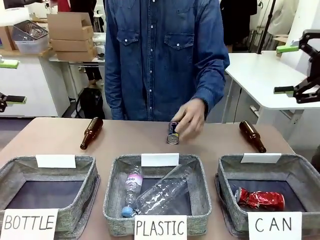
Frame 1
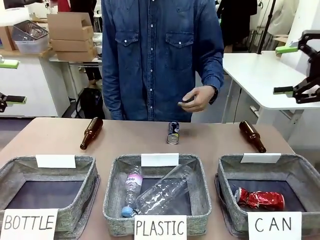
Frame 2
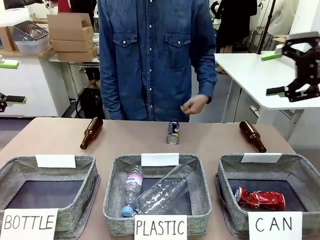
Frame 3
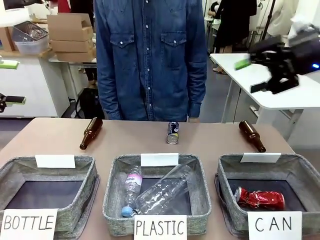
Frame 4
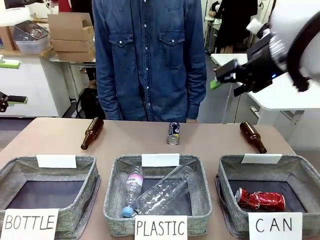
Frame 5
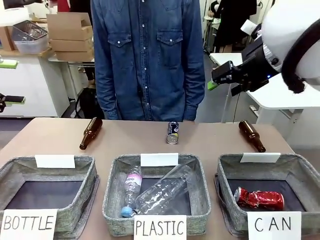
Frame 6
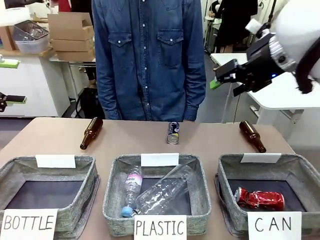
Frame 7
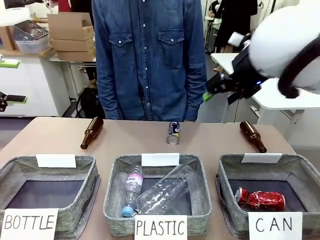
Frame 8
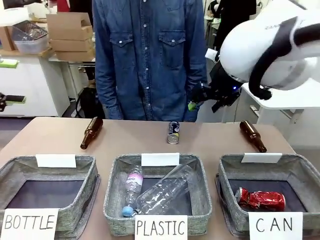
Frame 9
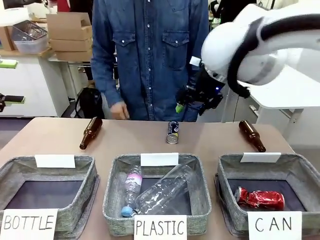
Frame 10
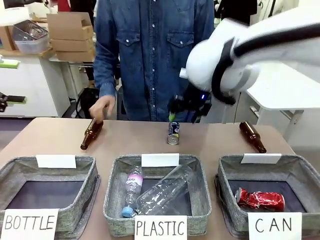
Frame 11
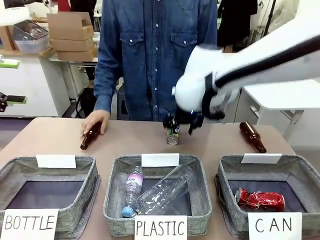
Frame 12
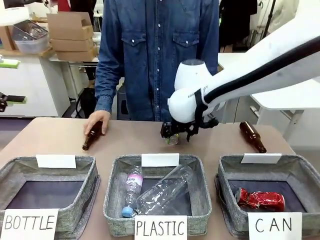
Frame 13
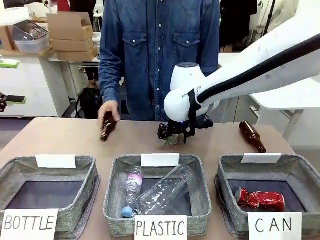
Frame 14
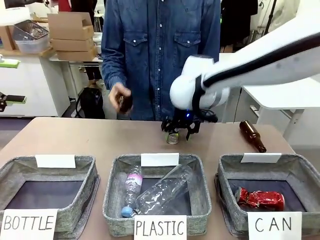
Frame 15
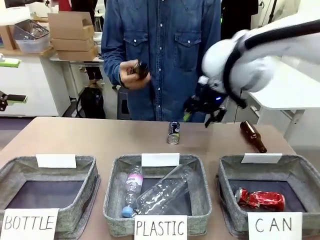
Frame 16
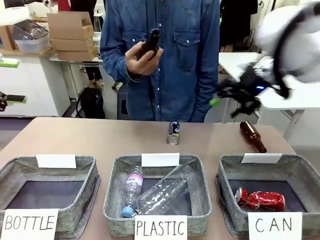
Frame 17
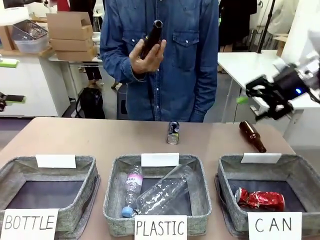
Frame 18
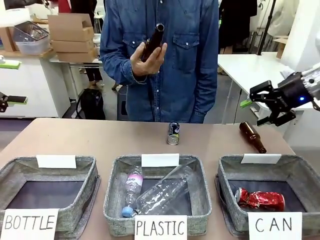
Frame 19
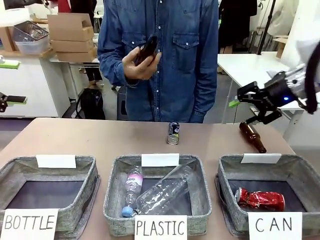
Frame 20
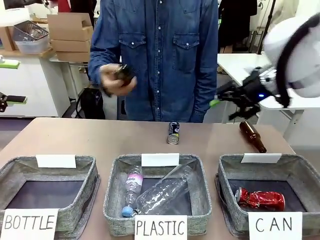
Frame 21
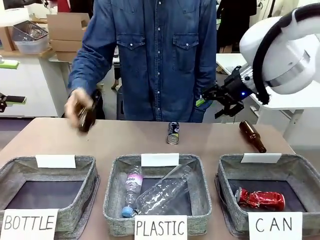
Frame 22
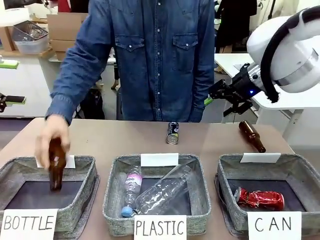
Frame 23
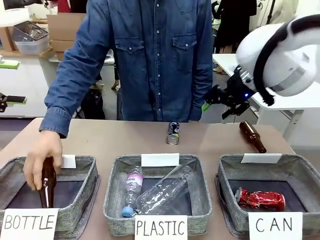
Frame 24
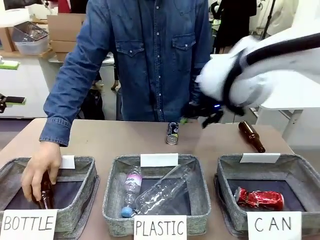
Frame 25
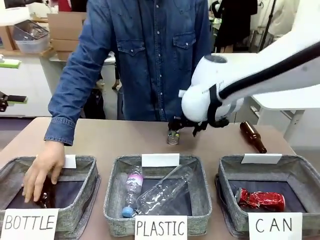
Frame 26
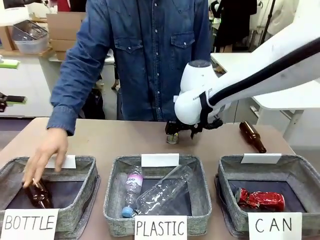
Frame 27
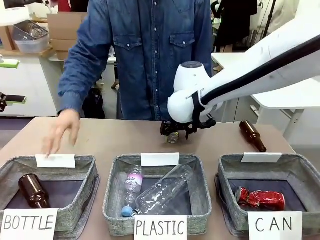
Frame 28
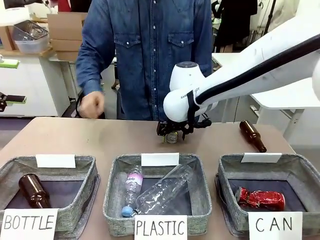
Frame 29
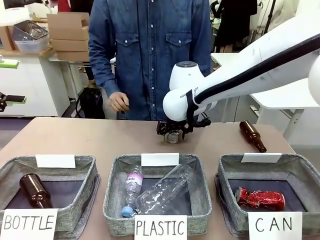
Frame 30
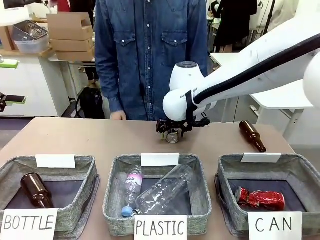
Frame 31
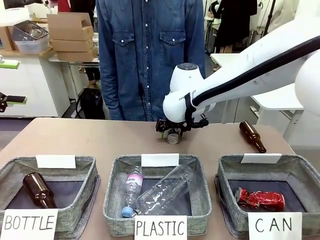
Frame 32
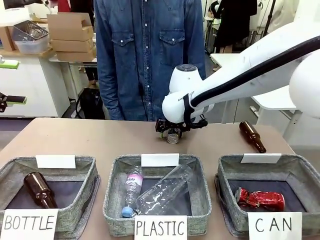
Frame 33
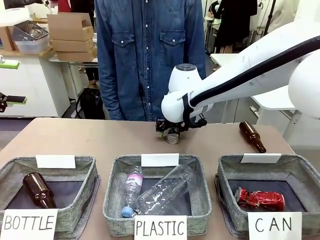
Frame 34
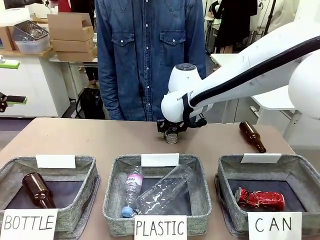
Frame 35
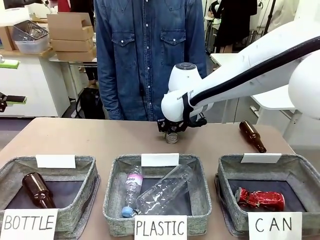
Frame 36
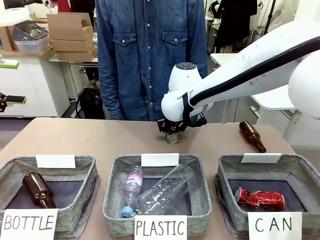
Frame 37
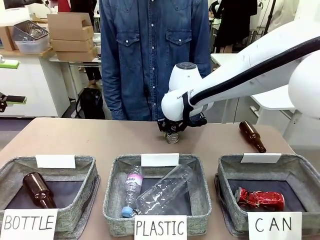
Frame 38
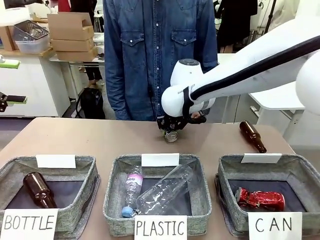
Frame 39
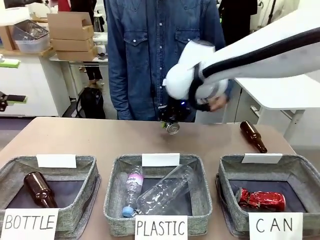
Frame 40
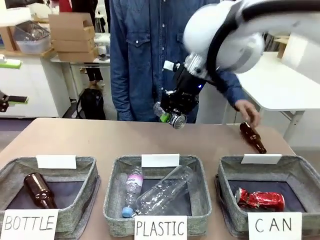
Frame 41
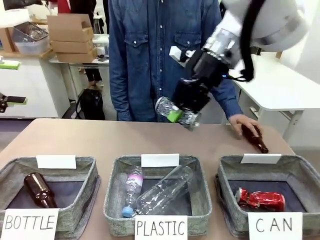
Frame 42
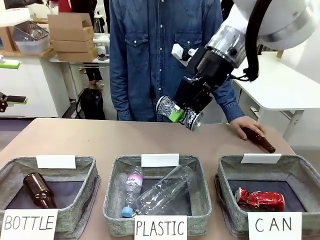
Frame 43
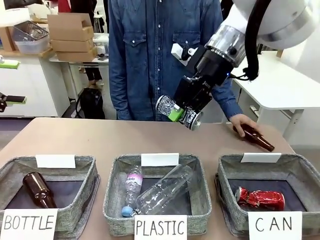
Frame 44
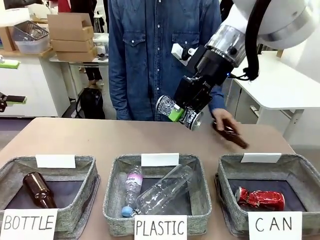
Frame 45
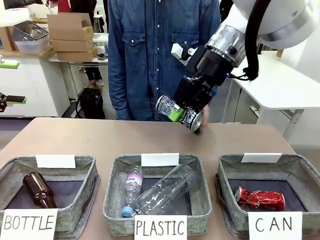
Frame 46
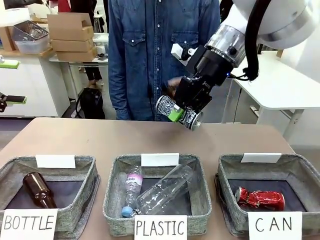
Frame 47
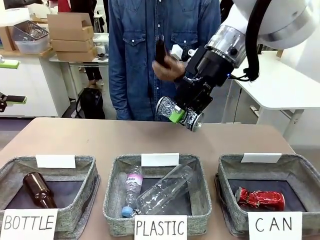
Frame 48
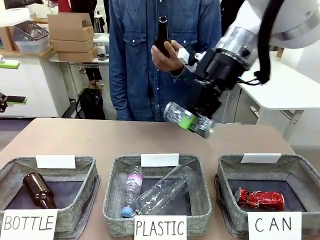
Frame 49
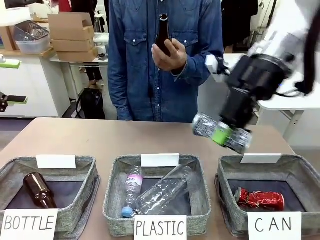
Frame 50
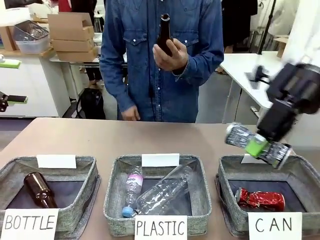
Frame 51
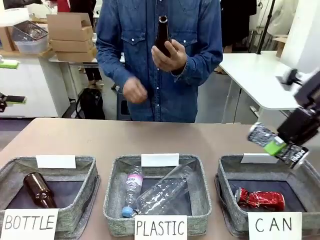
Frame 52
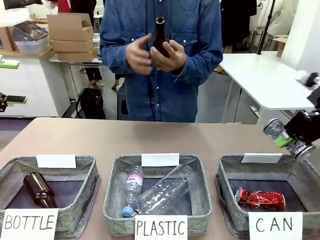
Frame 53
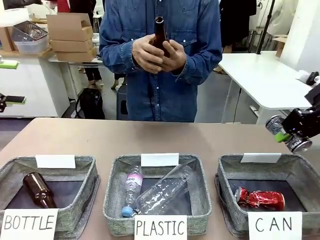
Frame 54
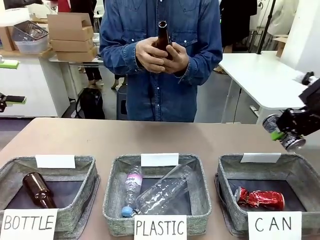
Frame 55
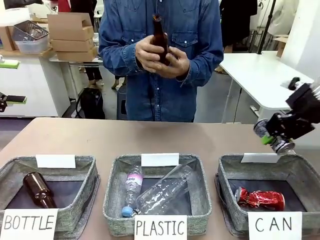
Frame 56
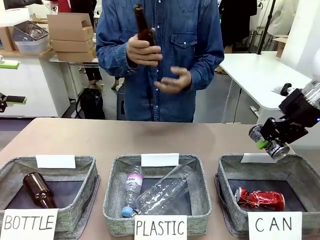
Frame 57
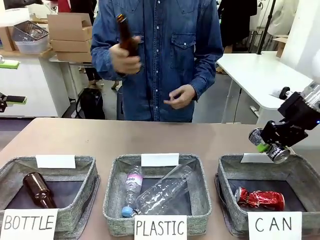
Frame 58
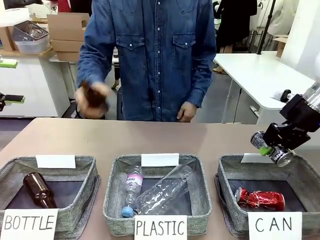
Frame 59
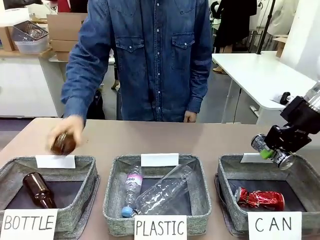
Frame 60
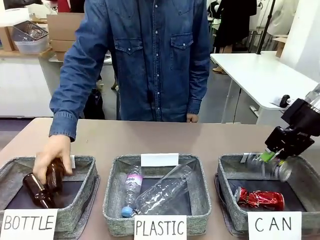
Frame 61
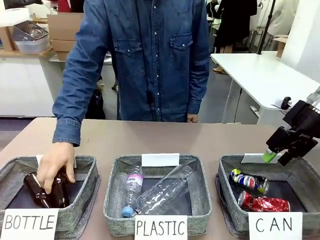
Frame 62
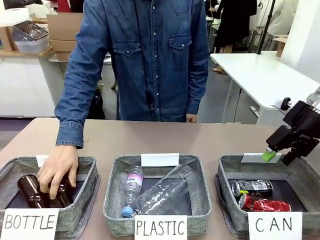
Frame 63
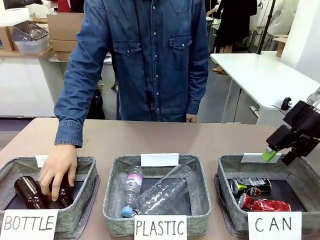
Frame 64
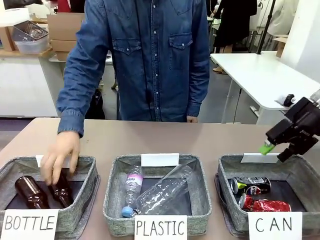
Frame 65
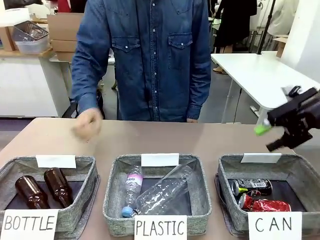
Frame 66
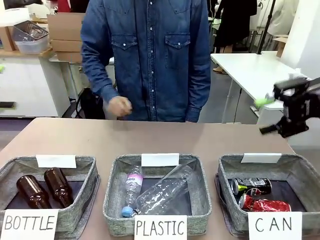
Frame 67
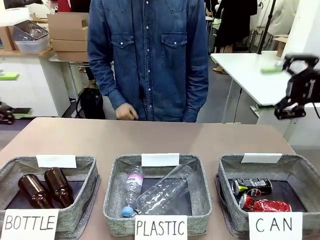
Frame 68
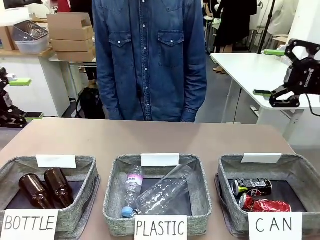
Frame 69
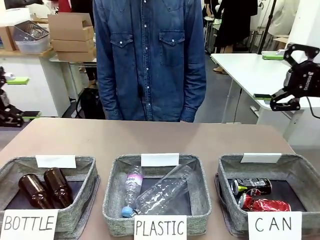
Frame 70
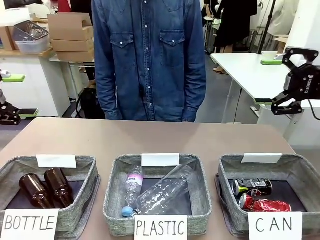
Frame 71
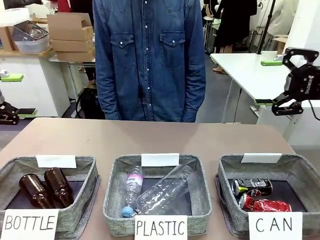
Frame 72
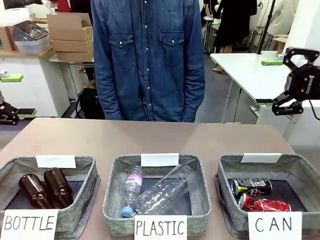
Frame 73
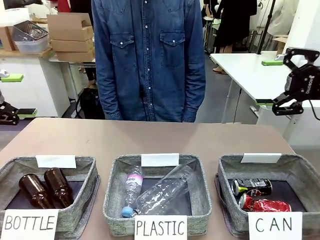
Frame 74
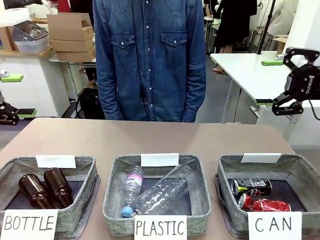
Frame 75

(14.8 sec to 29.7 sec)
Task: Sort the can waste into the basket.
Robot: Pick up the can waste from the table and place it in the right Fabric basket.
Person: The human picks up one piece of trash that is not a can and places the trash into the appropriate organizing basket.
